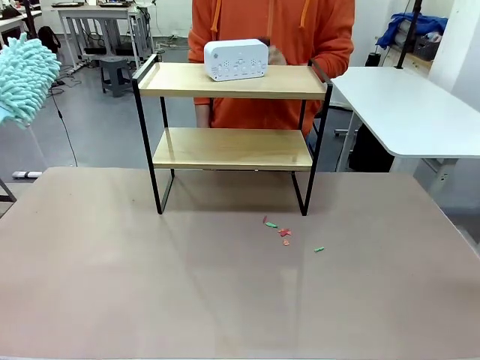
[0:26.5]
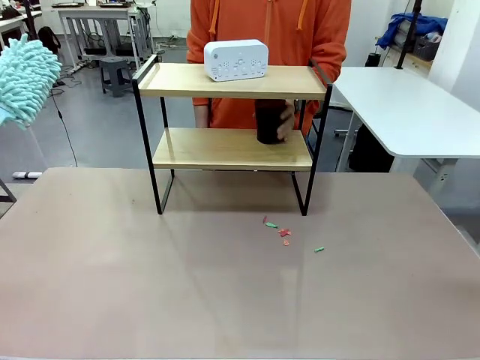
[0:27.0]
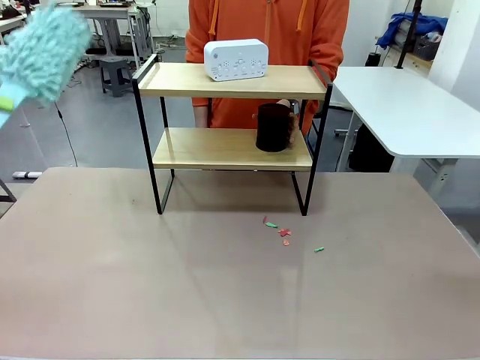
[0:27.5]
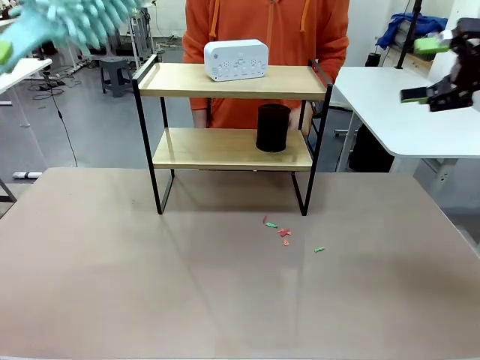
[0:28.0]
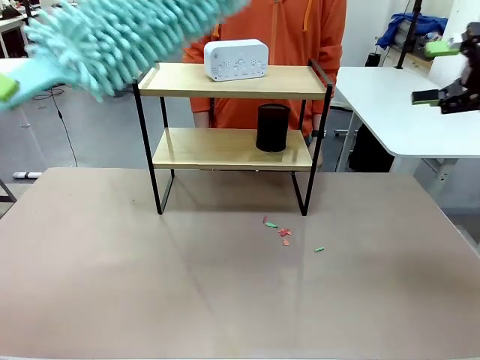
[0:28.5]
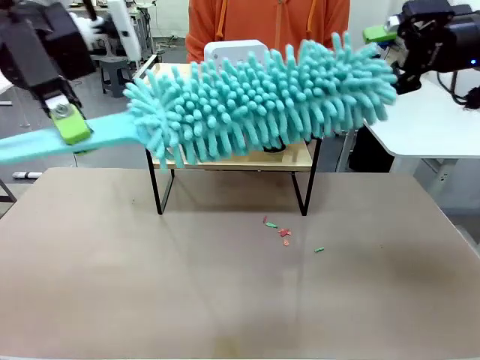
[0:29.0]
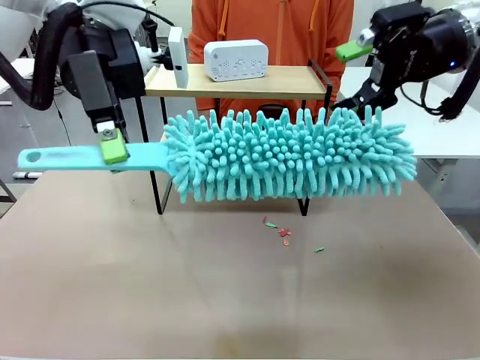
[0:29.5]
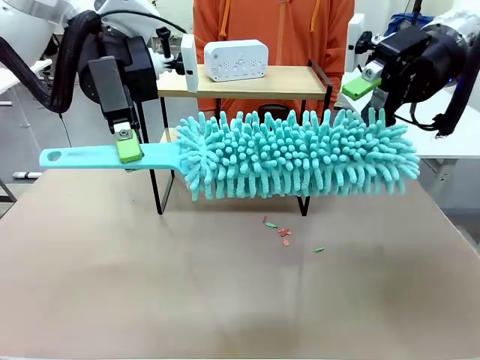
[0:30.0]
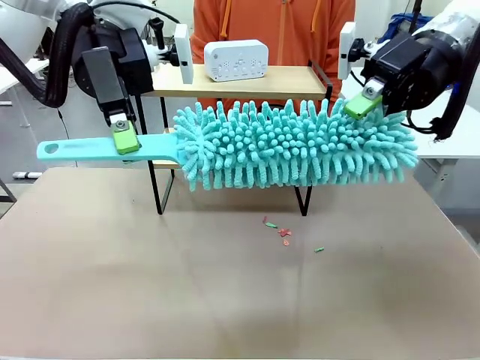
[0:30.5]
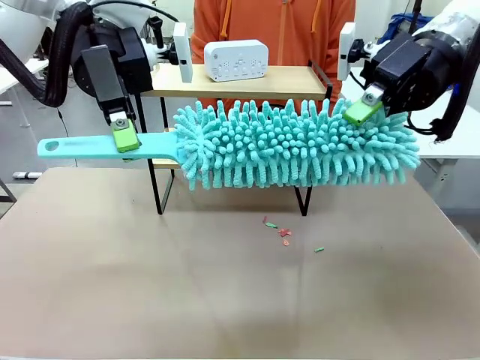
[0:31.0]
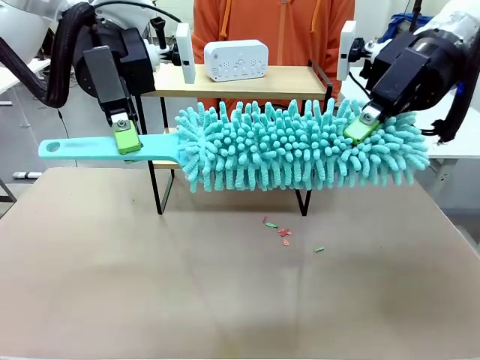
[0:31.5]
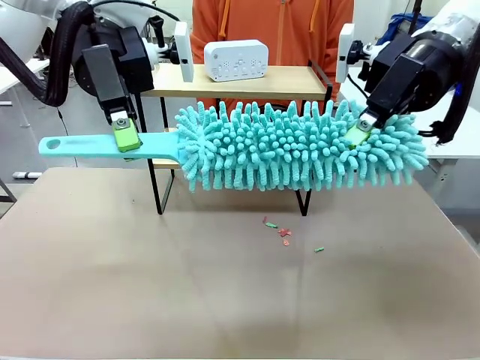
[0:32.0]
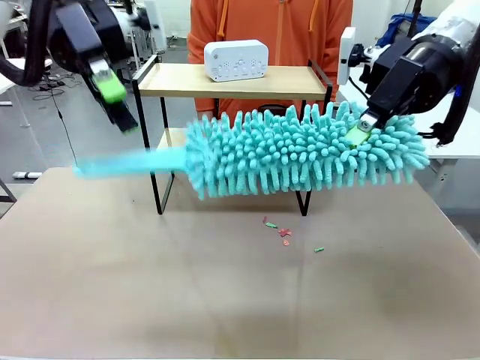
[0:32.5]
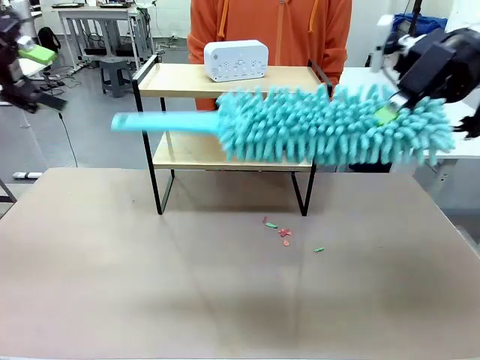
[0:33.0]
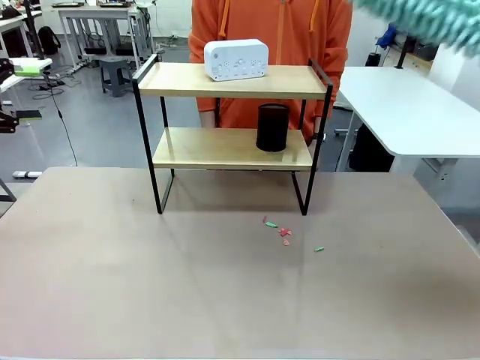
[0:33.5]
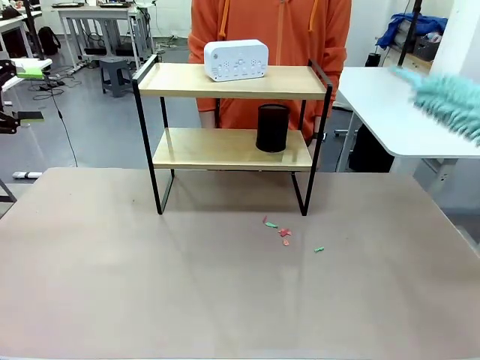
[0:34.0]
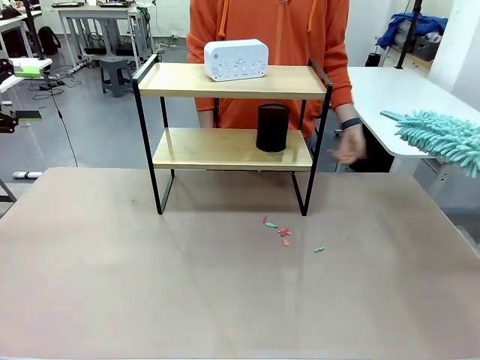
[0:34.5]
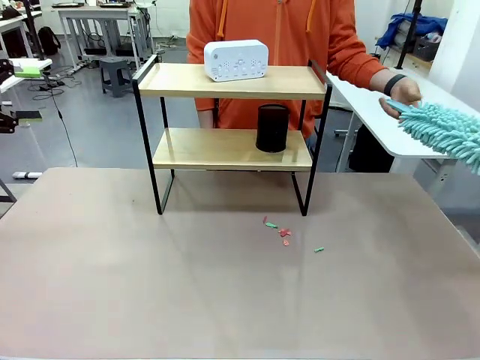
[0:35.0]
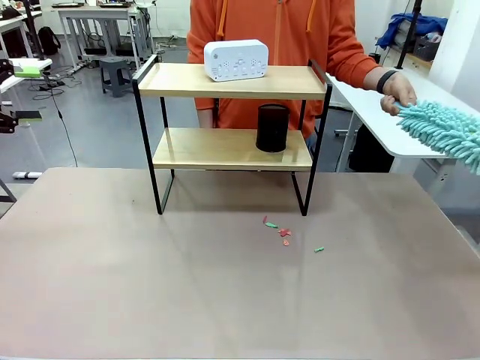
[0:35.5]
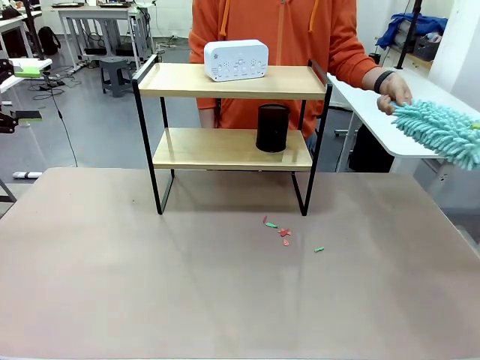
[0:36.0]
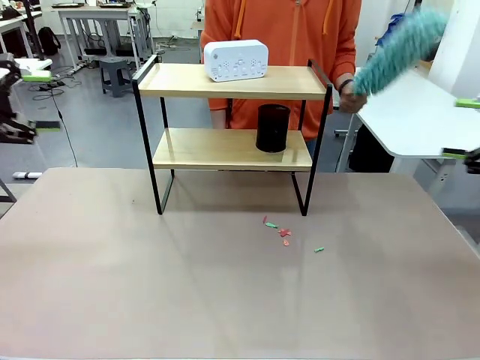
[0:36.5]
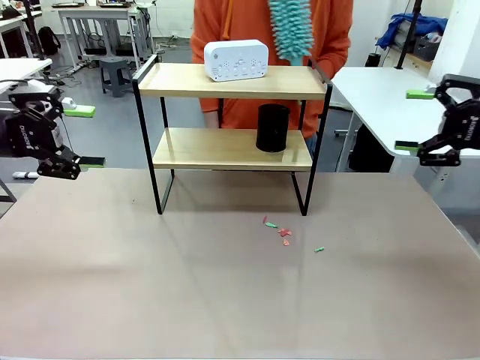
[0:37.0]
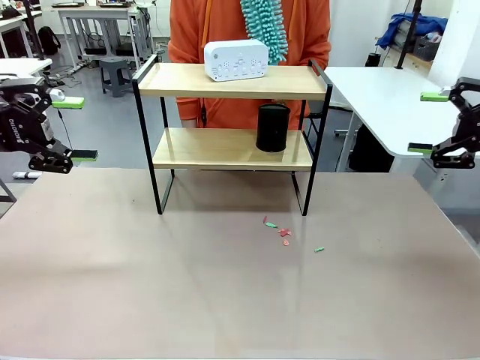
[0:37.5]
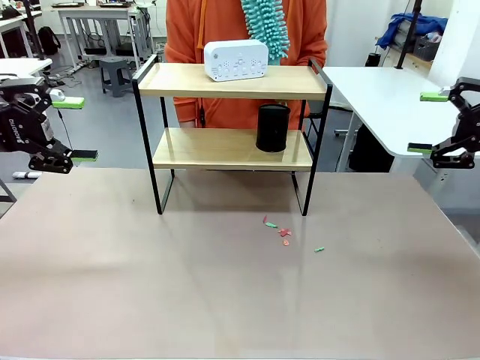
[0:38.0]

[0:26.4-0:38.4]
Task: Clean the shelf.
Robot: Hand the Duster back to the human.
Person: Receive the Duster from the robot.

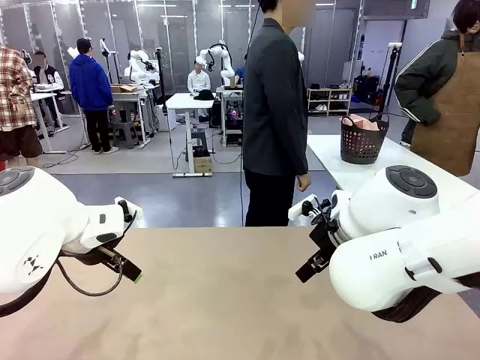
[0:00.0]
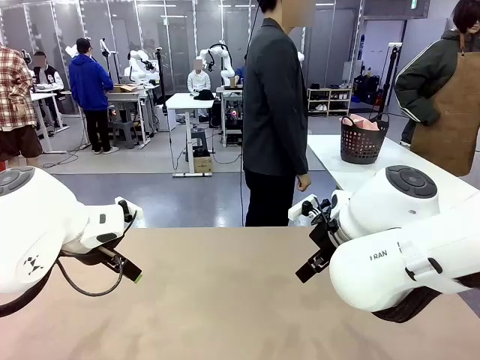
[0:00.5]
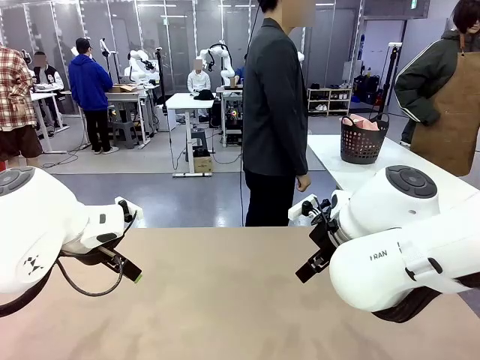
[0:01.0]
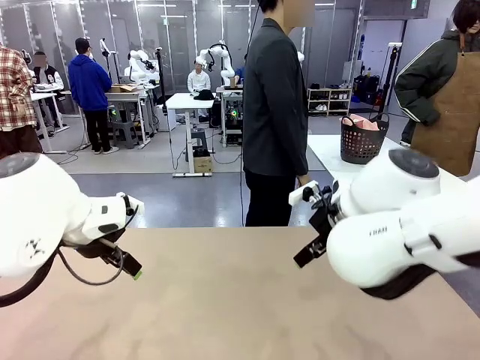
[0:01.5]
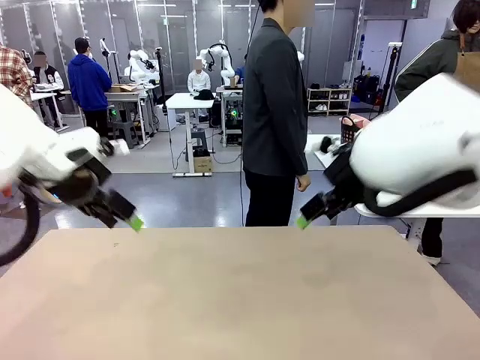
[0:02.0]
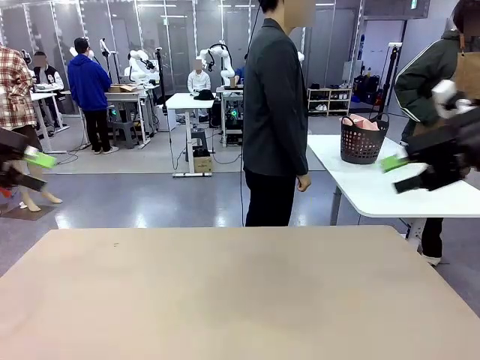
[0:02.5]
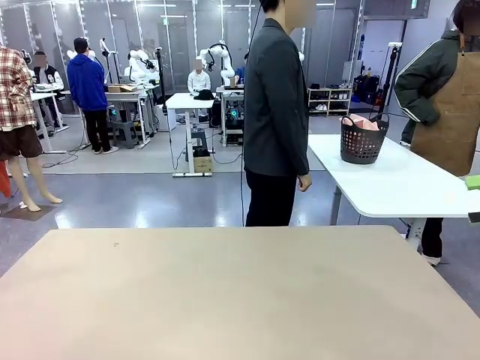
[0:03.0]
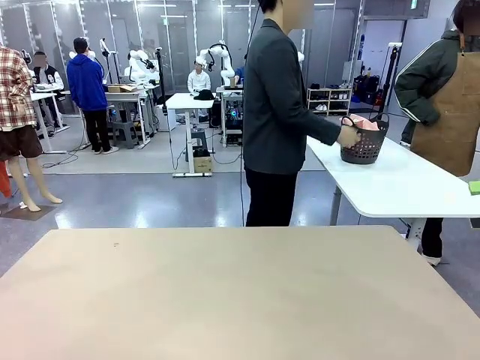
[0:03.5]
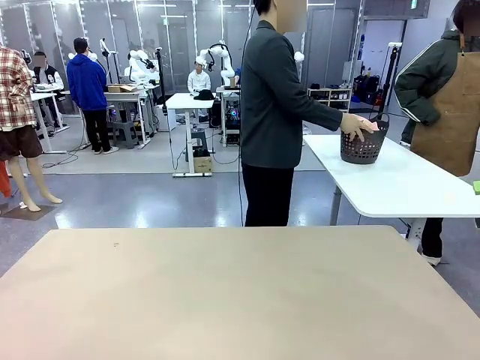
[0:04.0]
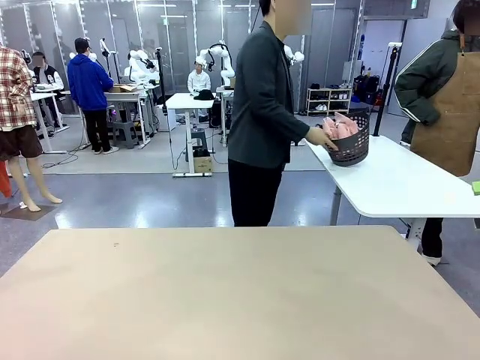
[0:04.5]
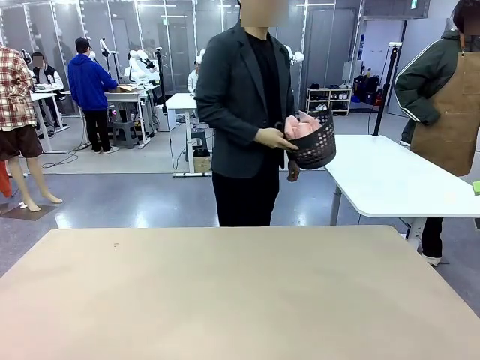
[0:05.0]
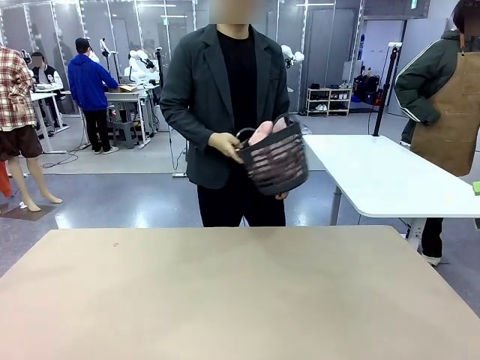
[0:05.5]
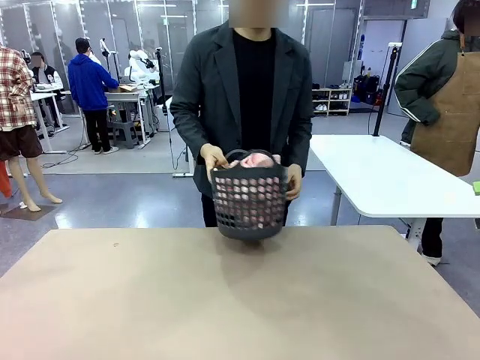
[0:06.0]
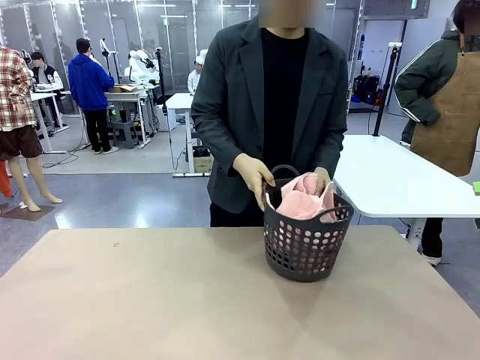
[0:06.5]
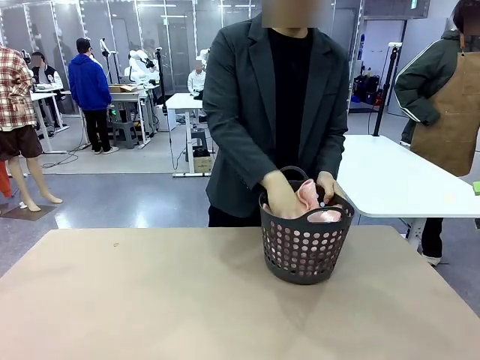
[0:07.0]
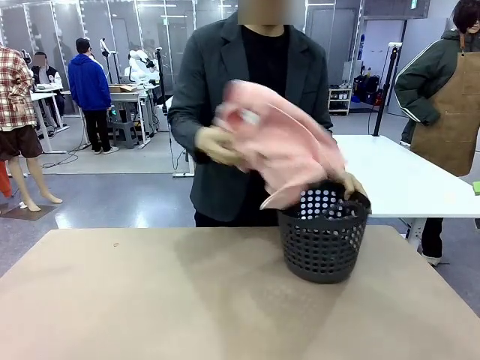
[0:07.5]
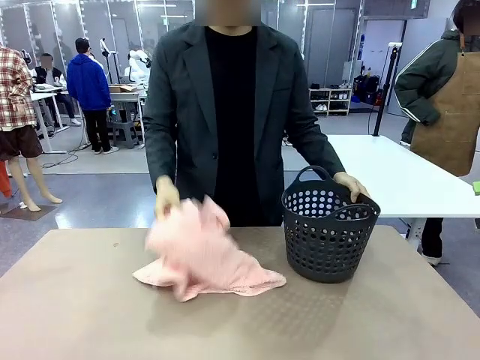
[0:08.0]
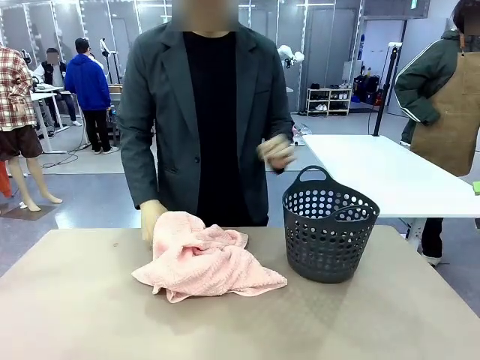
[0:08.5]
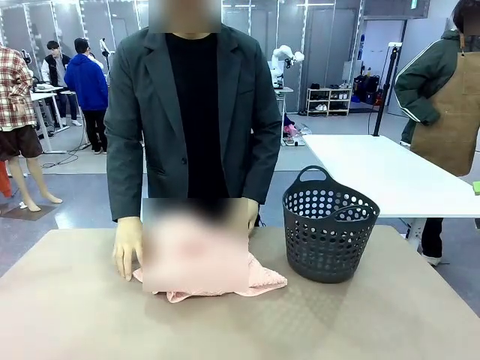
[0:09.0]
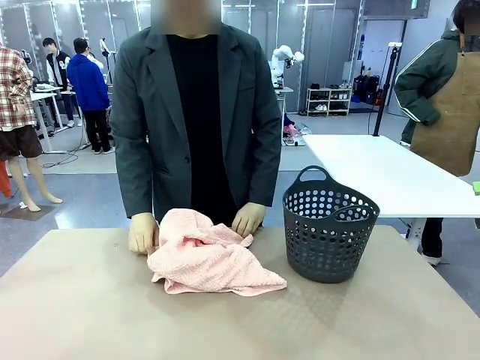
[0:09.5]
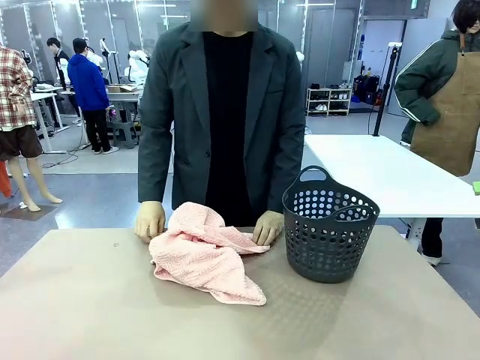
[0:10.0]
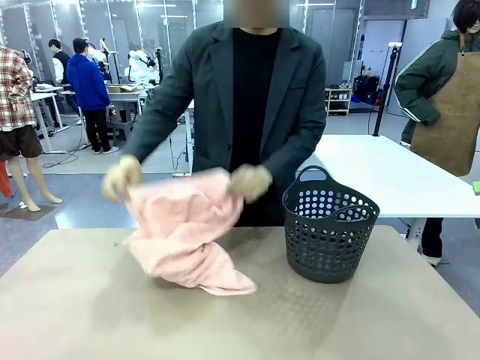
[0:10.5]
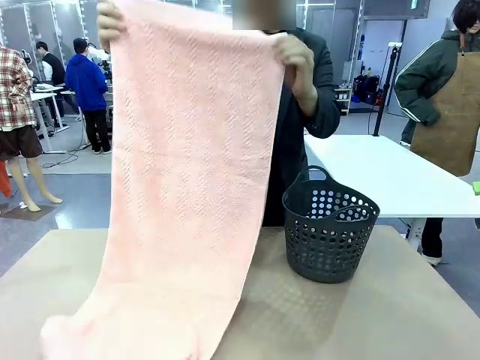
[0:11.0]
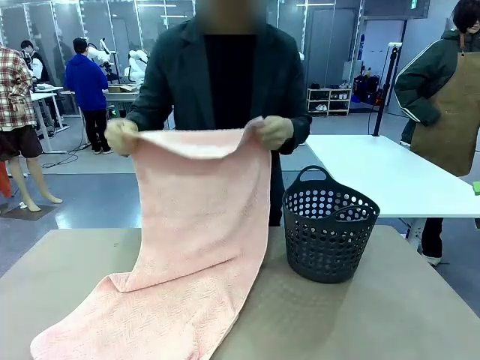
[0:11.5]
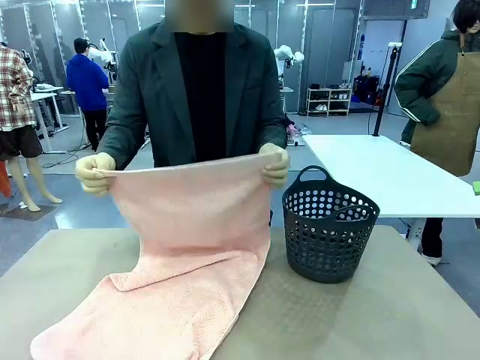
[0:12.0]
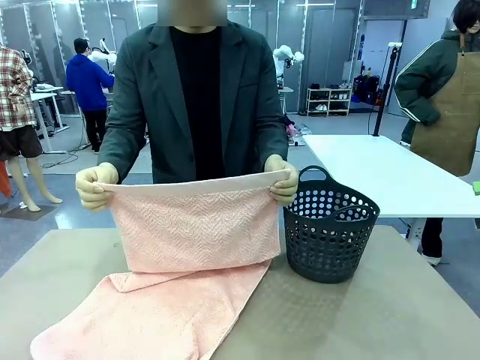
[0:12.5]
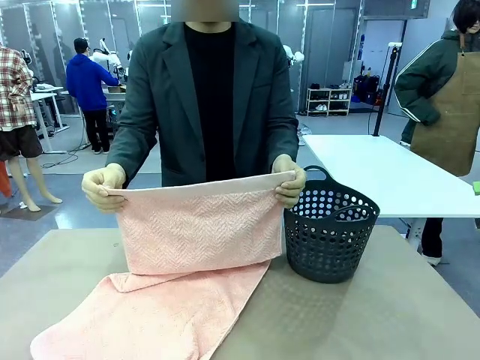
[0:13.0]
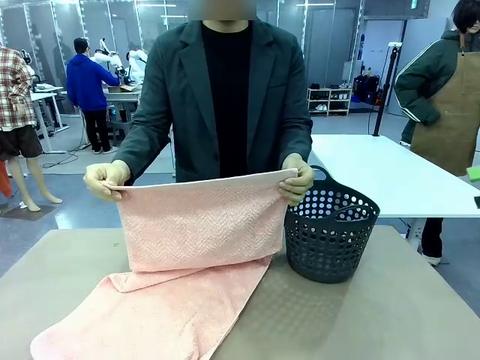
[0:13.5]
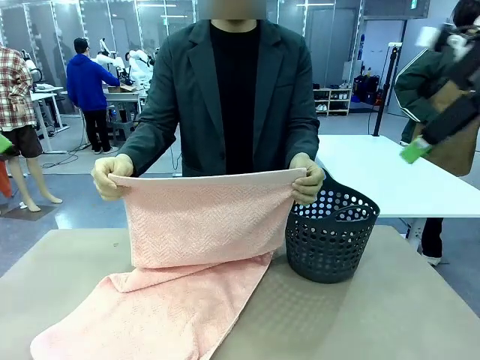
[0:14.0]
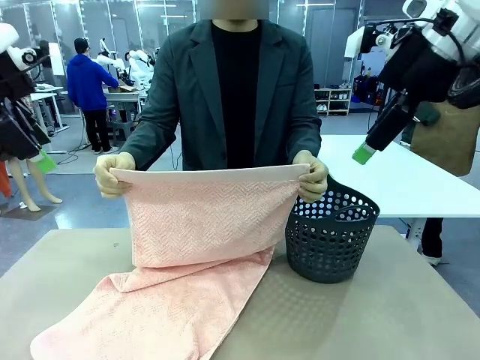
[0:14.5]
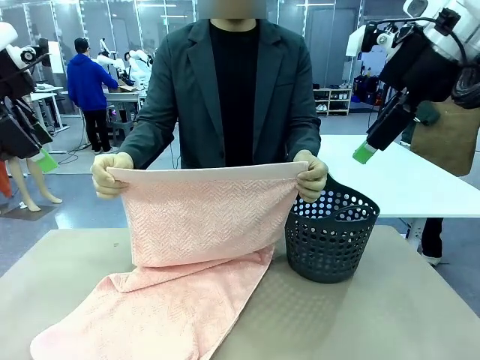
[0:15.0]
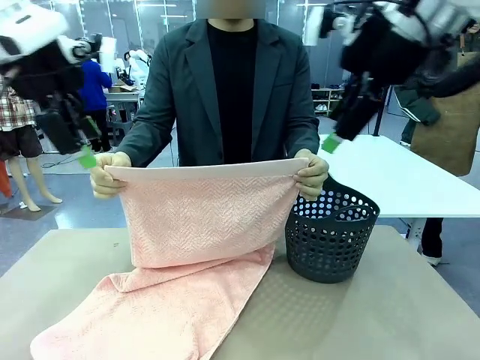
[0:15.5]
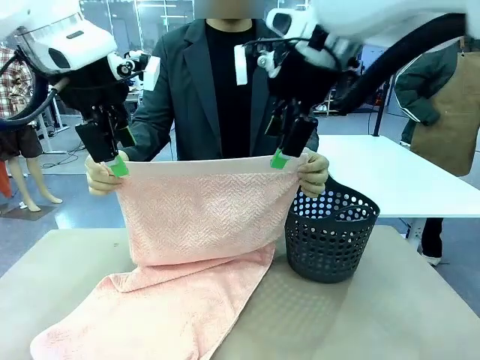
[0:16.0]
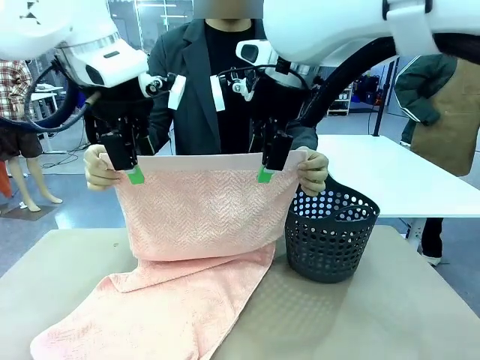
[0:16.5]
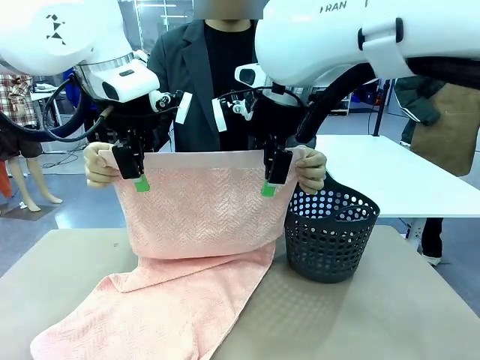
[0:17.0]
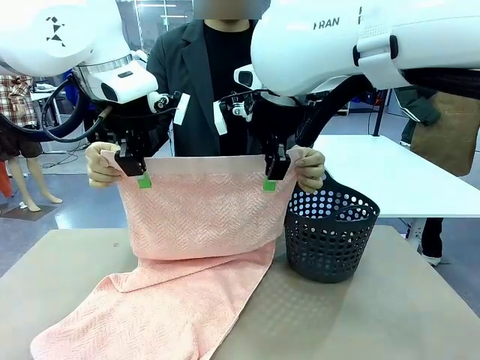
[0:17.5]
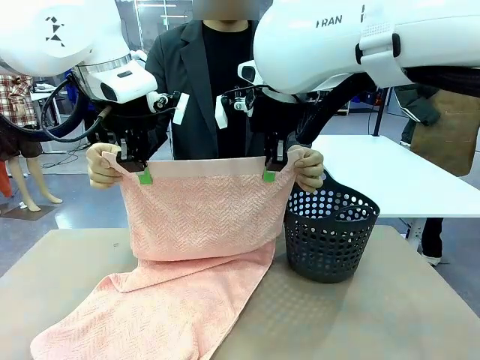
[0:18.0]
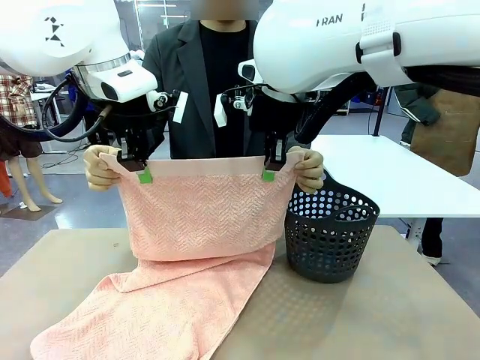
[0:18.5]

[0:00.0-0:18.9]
Task: Fold the towel.
Robot: Grab the top end of the 100 cm Hotel Towel extended by the human.
Person: Pick up the laundry basket, place it on the left side of the robot table, then take out a towel and hand it to the robot while holding both corners of one end.
